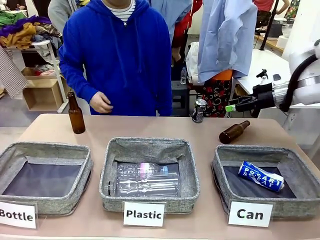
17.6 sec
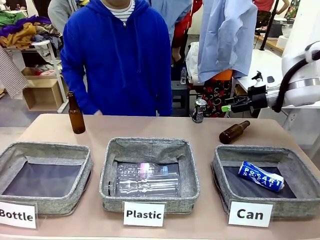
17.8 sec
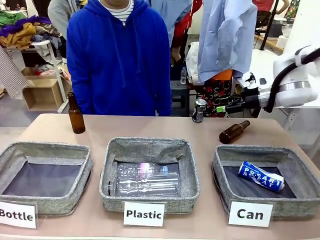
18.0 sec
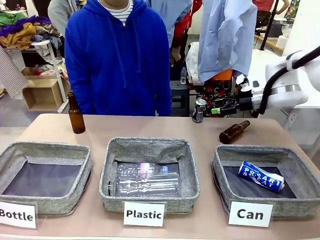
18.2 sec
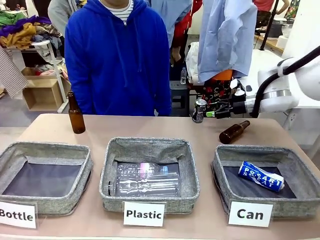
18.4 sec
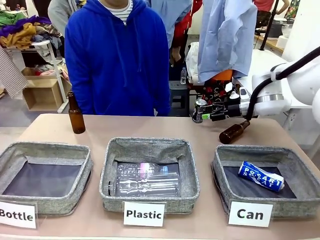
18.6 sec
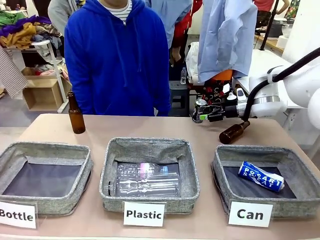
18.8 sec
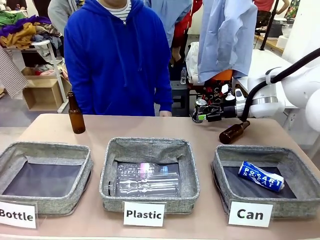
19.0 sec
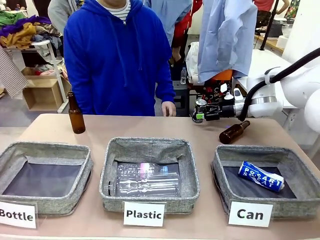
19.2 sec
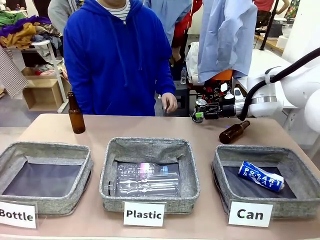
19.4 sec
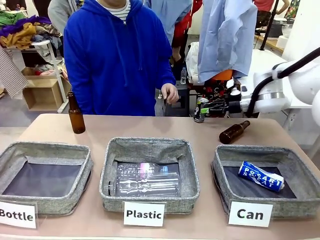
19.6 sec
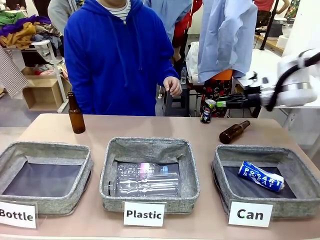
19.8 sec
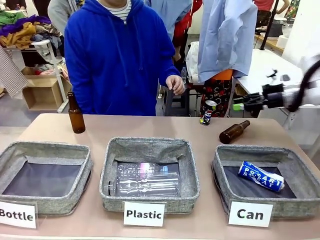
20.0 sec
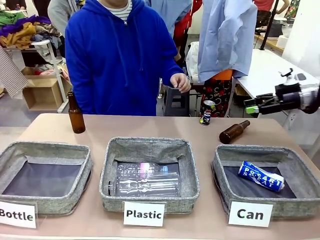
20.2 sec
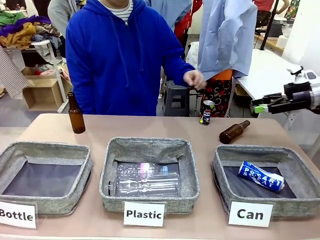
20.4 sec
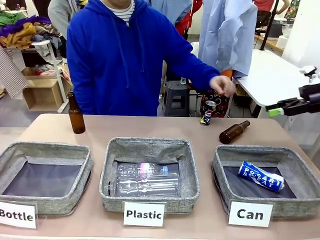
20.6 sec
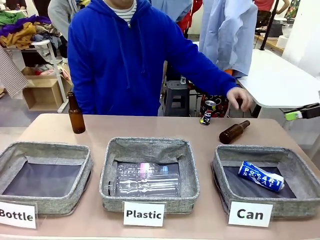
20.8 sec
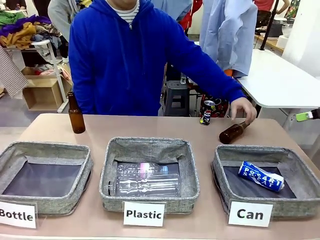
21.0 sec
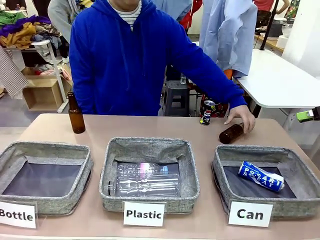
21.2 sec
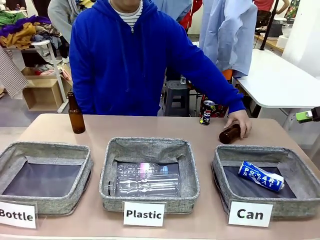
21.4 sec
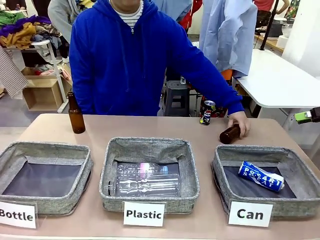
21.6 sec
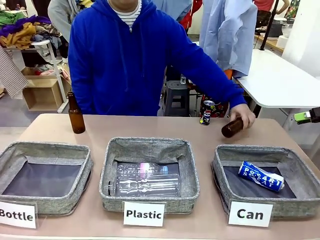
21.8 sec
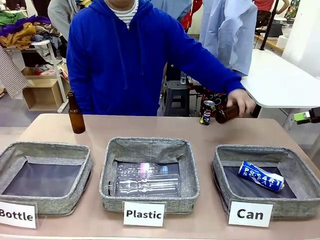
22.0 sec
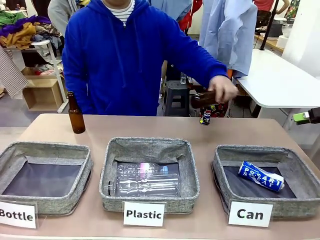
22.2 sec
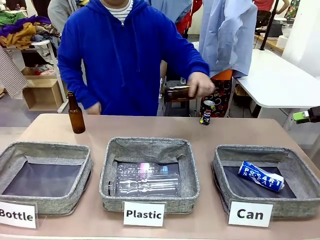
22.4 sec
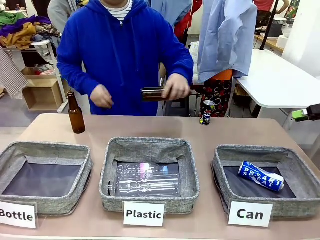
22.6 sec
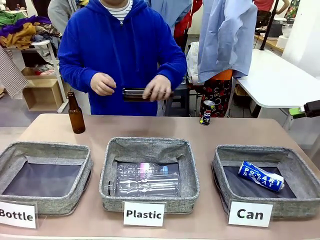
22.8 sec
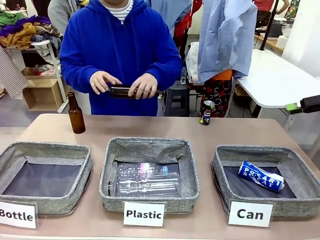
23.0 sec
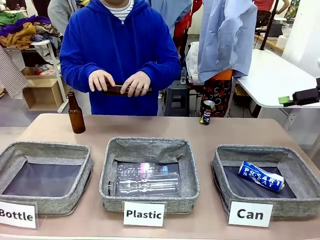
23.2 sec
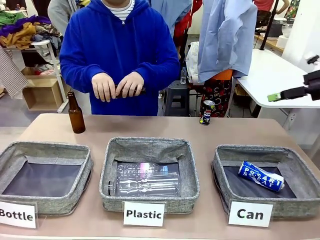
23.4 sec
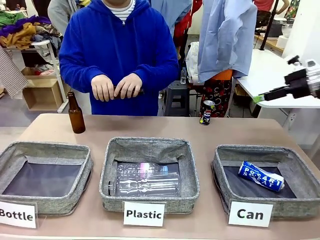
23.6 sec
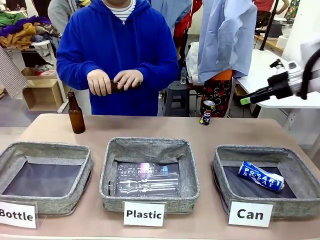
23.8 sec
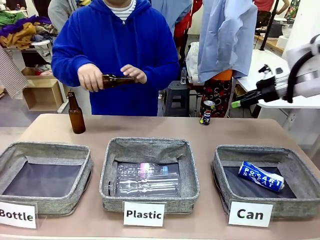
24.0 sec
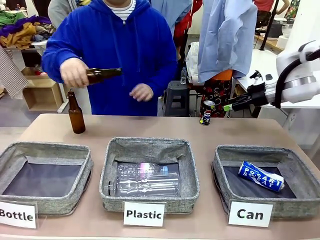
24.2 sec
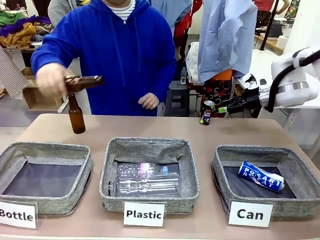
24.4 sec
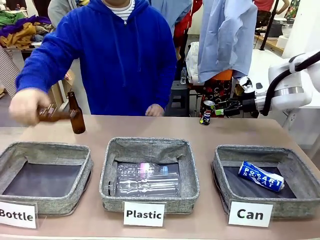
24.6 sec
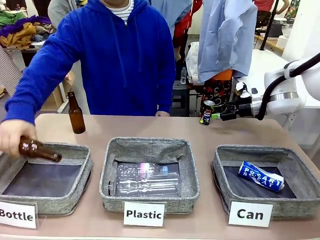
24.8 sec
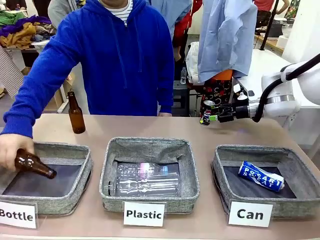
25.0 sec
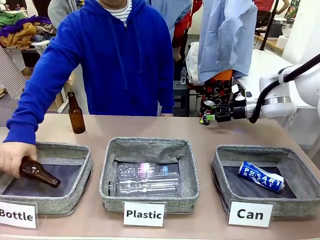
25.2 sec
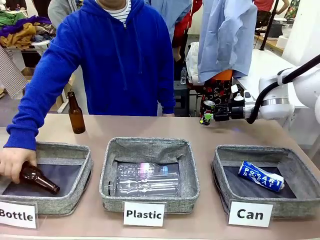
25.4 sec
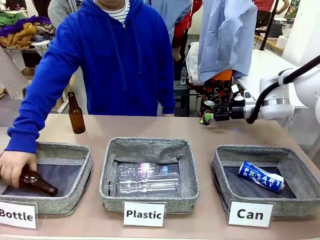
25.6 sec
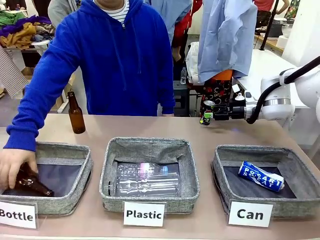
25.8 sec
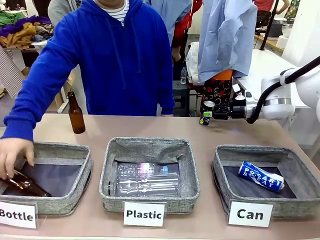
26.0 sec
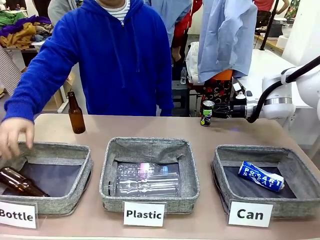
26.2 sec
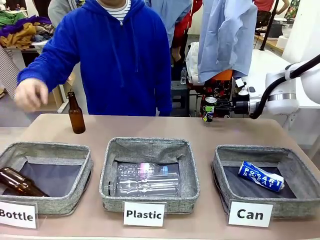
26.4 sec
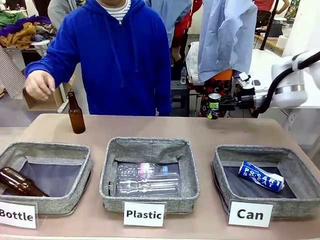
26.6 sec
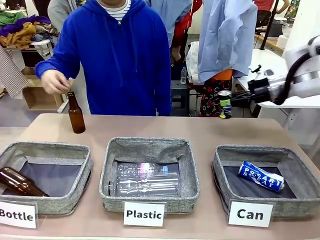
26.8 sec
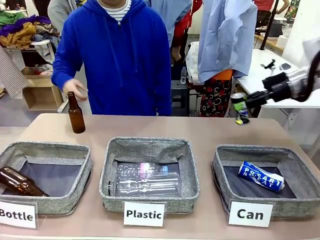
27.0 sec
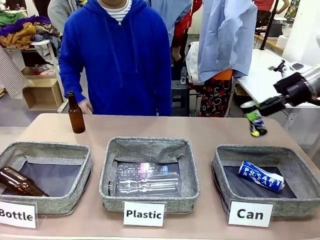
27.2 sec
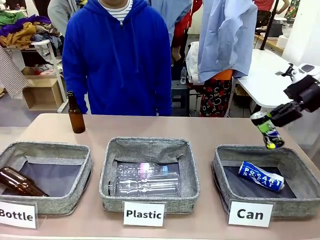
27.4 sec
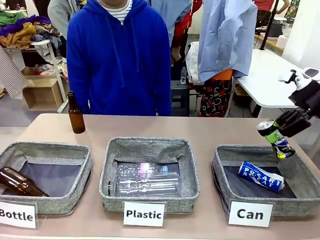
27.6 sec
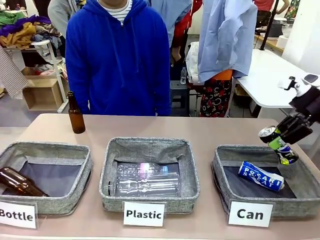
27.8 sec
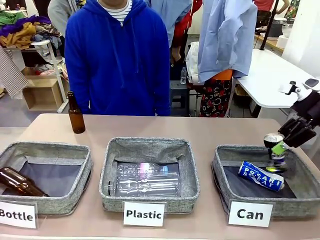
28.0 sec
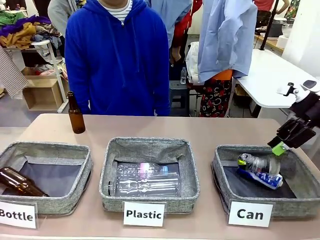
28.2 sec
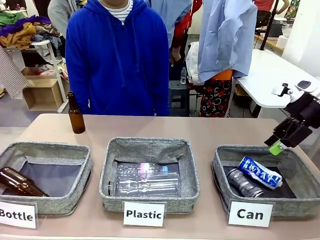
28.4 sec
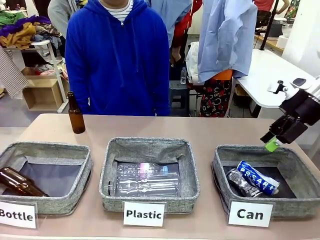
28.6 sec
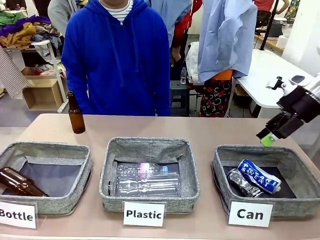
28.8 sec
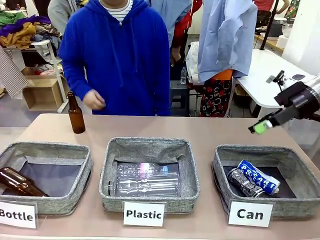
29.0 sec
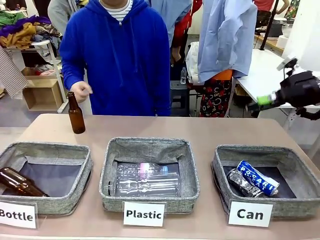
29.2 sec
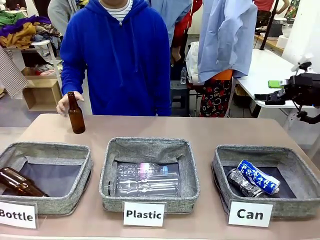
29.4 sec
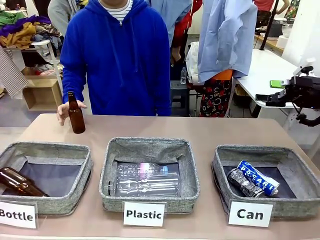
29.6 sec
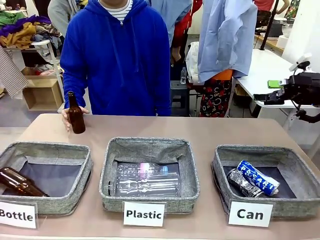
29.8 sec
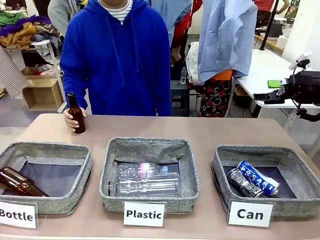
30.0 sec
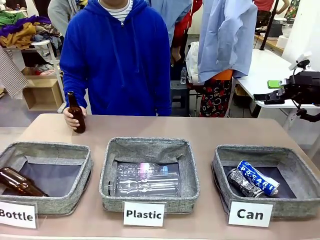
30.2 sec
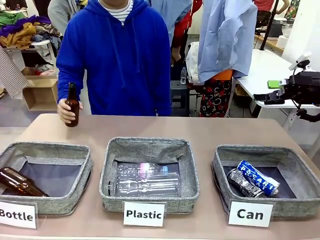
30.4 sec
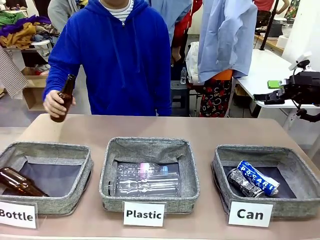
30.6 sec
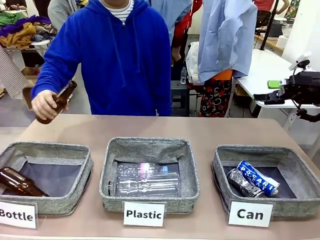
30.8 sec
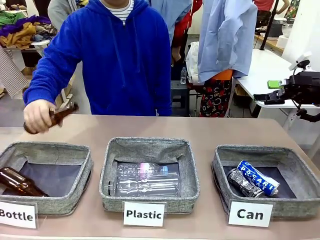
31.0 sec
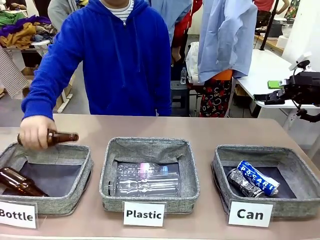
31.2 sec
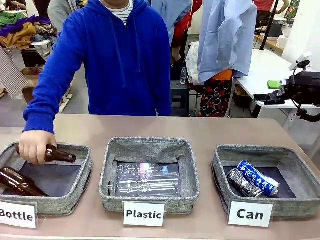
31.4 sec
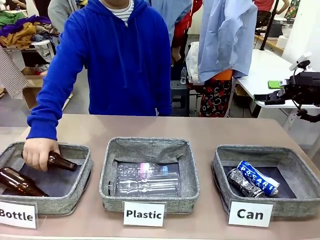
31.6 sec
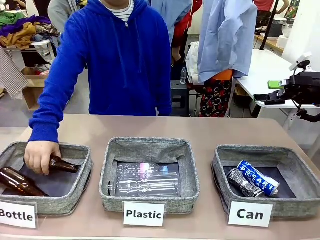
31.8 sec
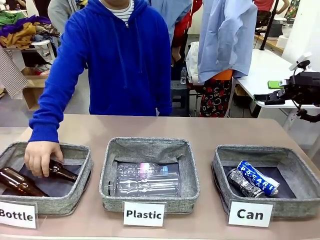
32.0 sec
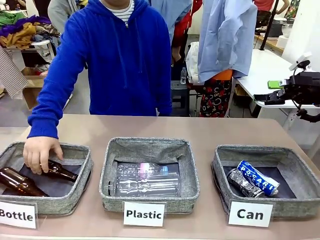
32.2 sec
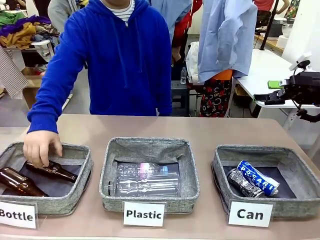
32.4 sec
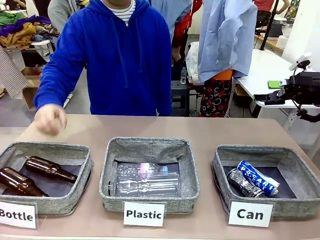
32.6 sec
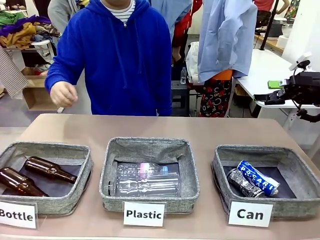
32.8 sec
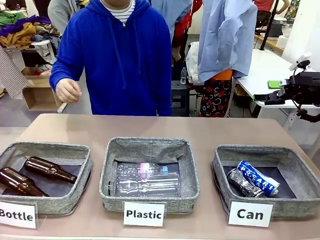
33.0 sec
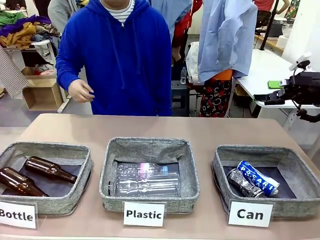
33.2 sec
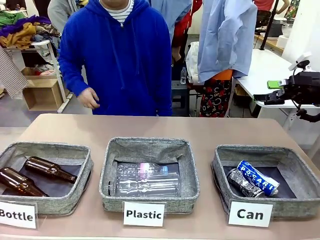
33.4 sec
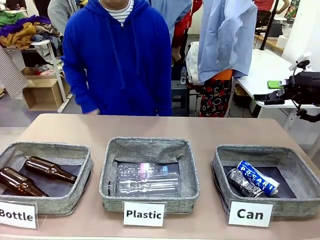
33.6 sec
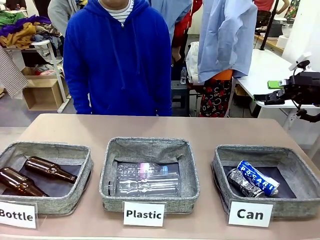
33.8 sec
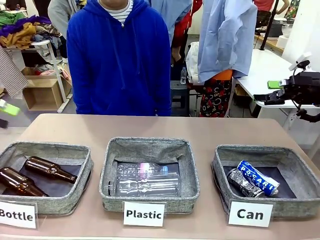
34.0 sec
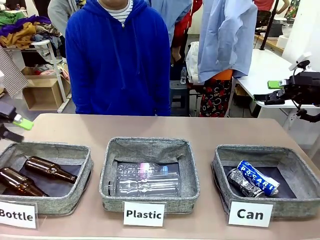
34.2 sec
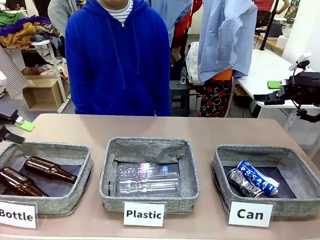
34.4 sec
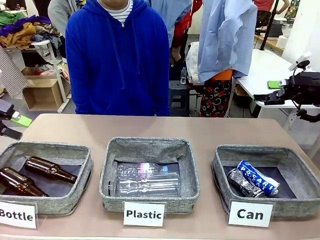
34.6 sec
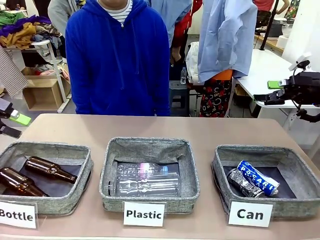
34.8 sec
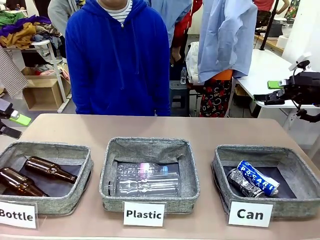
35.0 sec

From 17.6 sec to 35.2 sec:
Task: Sort the can waste into the basket.
Robot: Pick up the can waste from the table and place it in the right Fabric basket.
